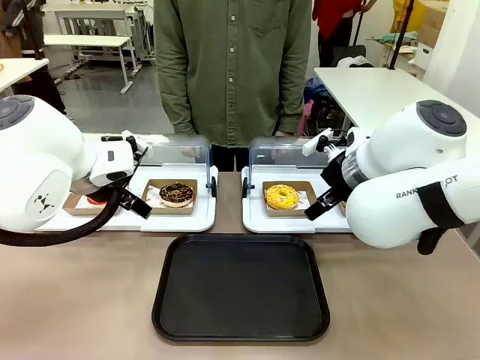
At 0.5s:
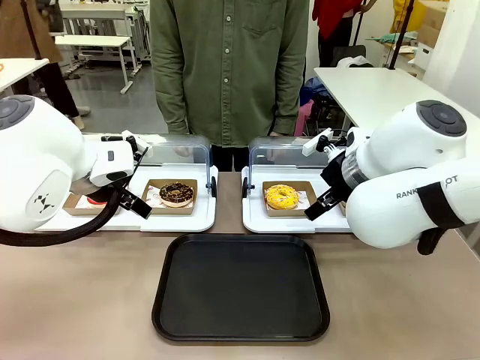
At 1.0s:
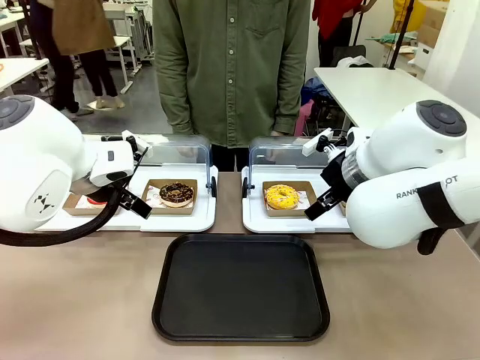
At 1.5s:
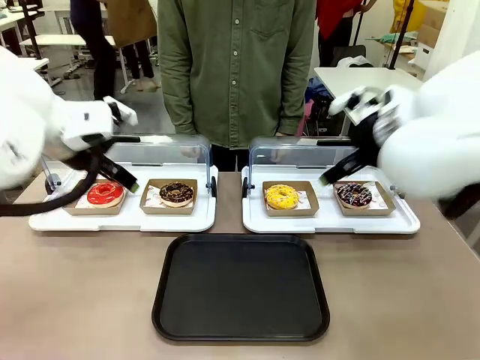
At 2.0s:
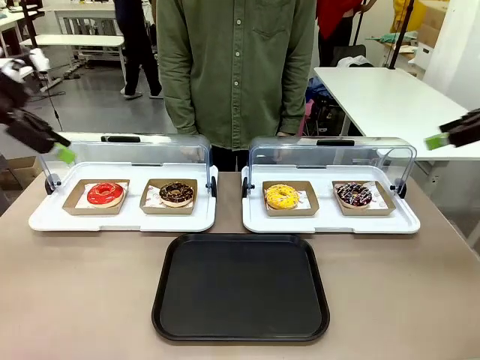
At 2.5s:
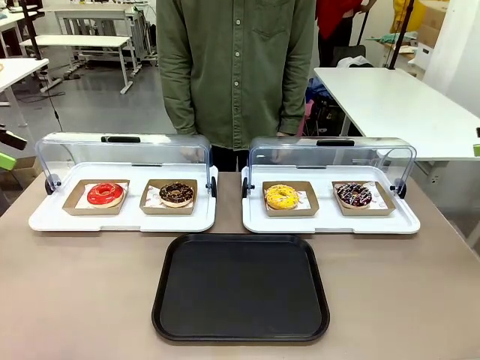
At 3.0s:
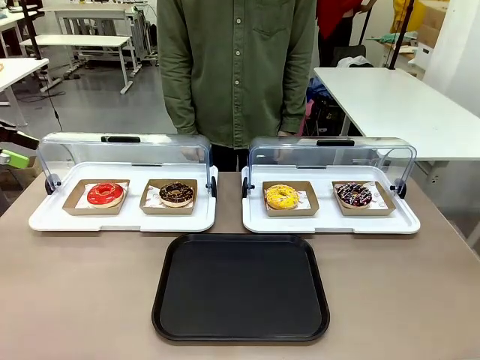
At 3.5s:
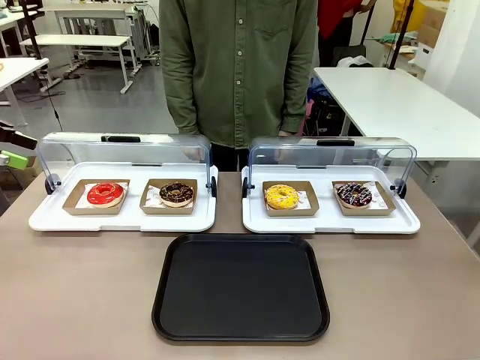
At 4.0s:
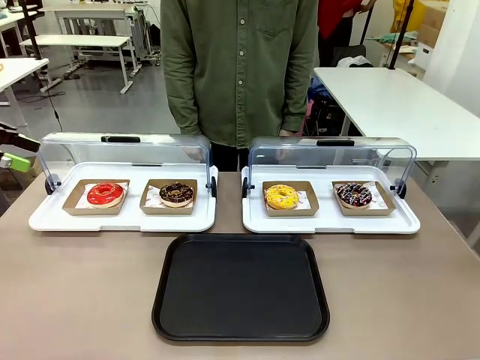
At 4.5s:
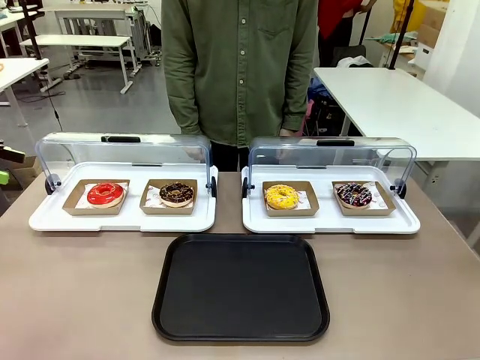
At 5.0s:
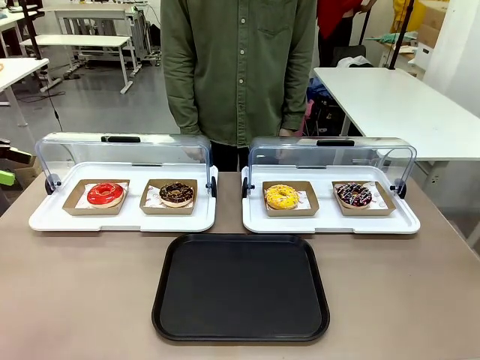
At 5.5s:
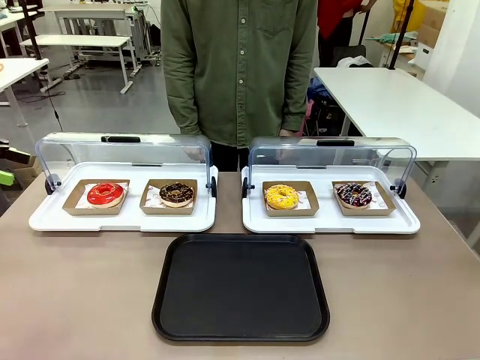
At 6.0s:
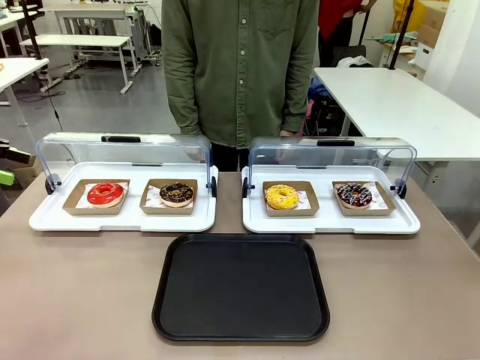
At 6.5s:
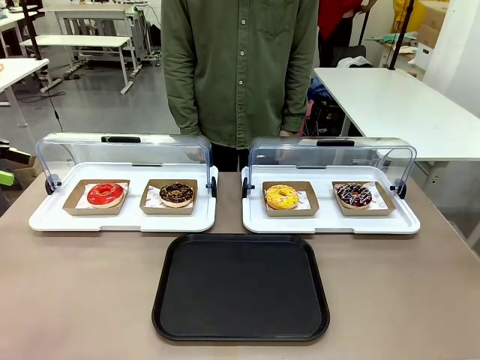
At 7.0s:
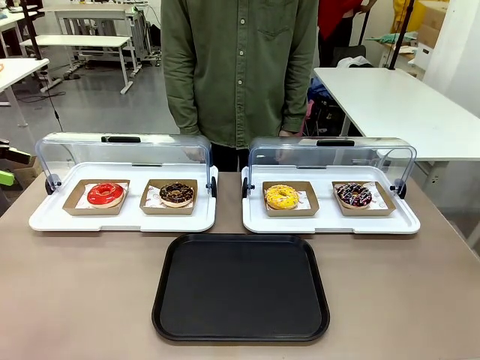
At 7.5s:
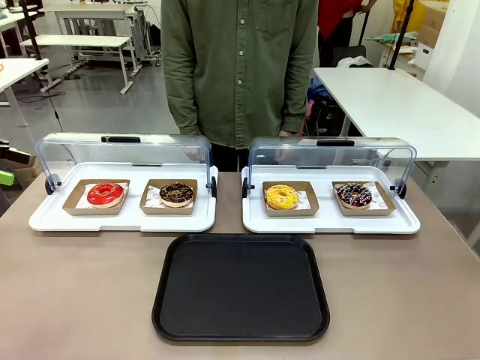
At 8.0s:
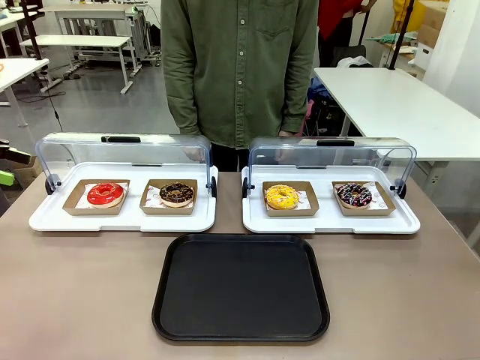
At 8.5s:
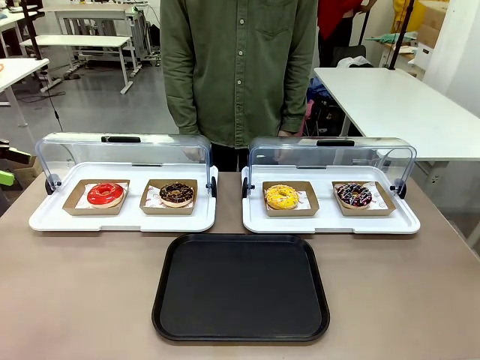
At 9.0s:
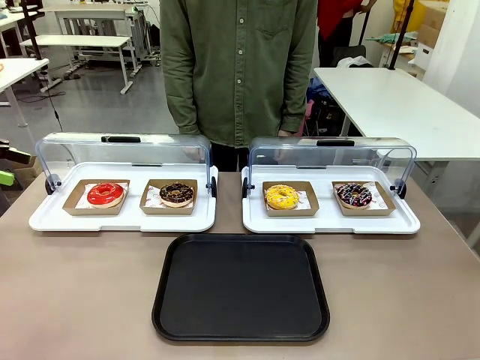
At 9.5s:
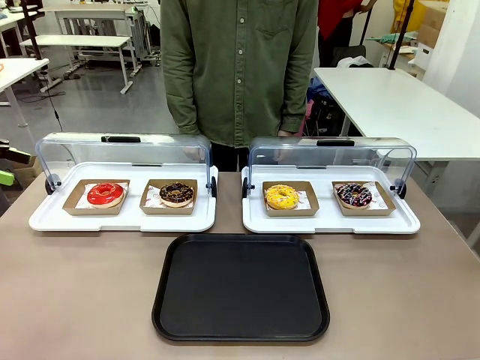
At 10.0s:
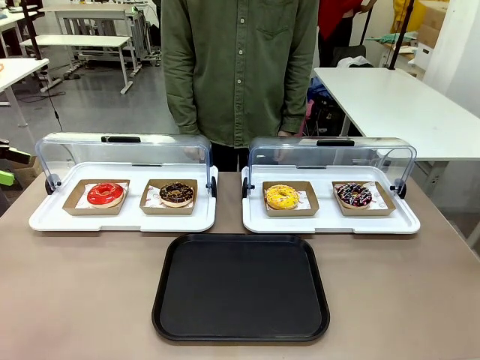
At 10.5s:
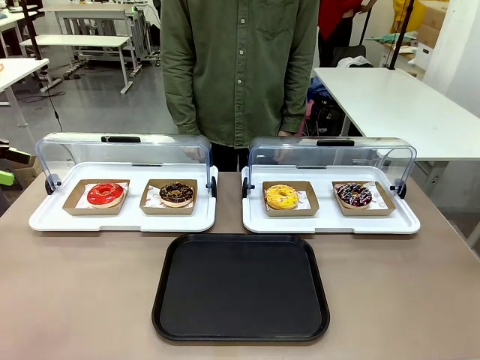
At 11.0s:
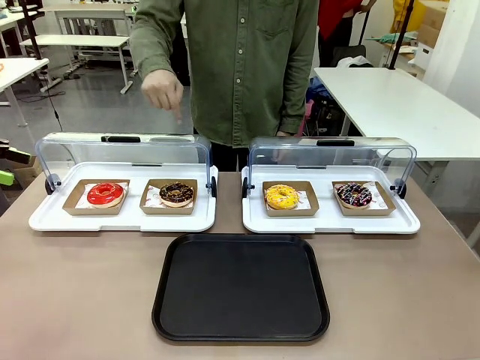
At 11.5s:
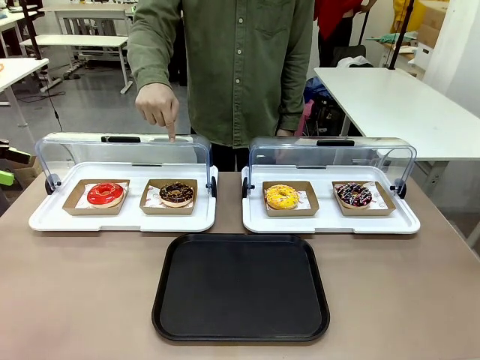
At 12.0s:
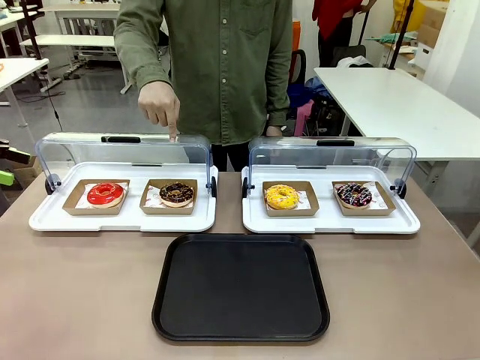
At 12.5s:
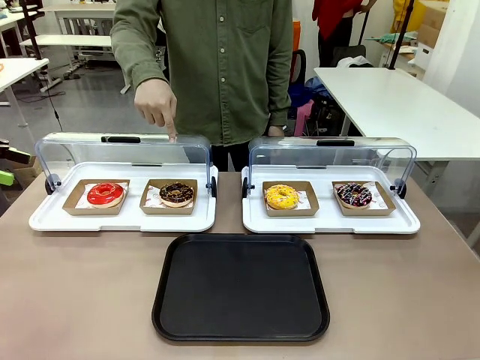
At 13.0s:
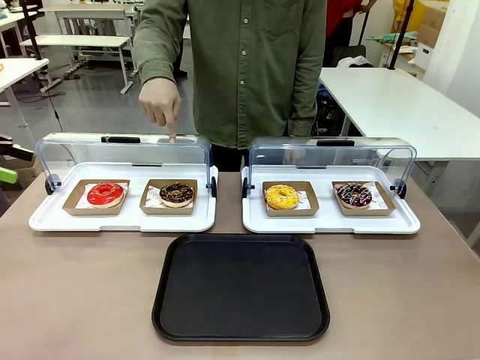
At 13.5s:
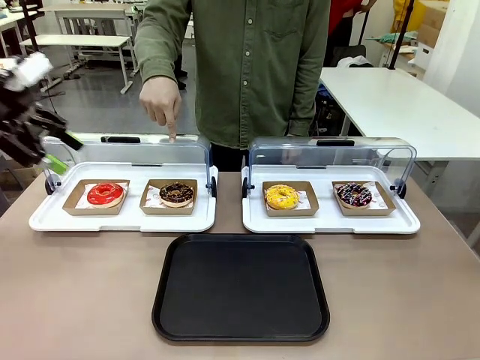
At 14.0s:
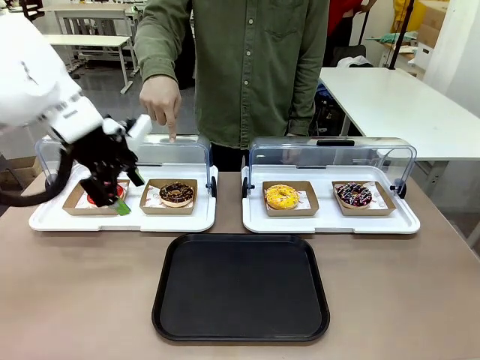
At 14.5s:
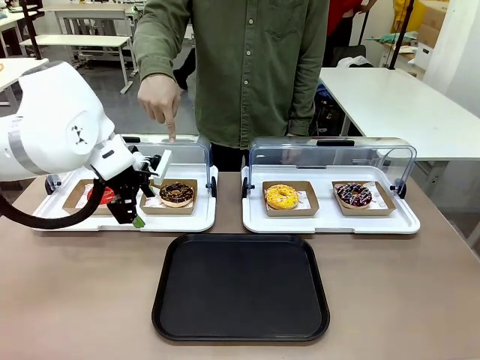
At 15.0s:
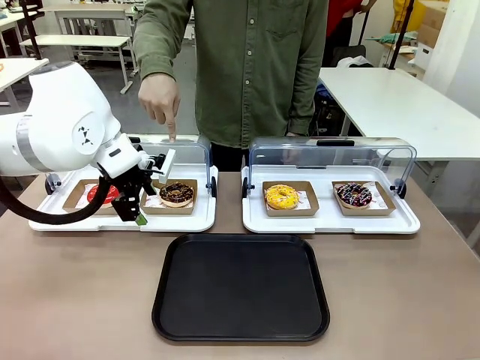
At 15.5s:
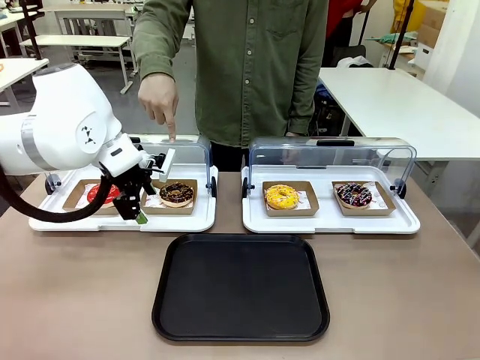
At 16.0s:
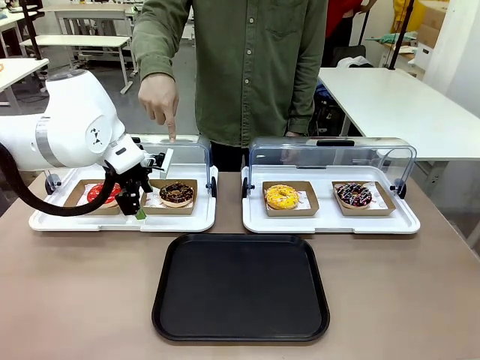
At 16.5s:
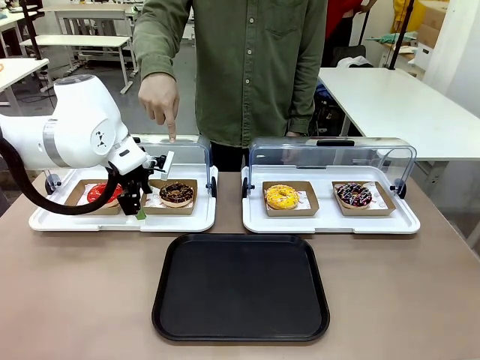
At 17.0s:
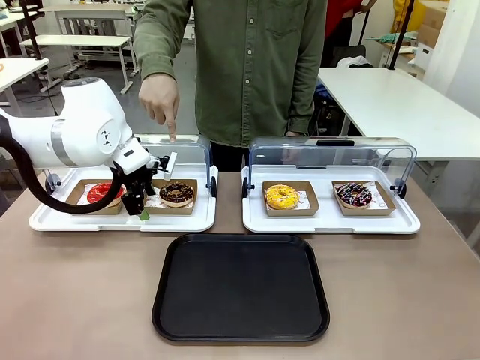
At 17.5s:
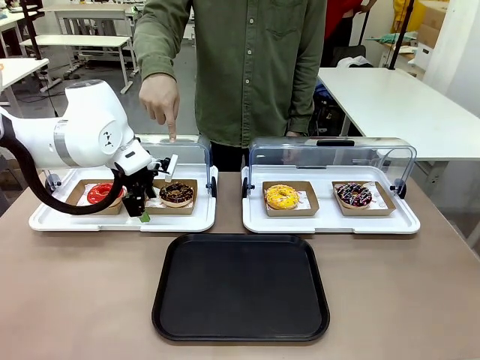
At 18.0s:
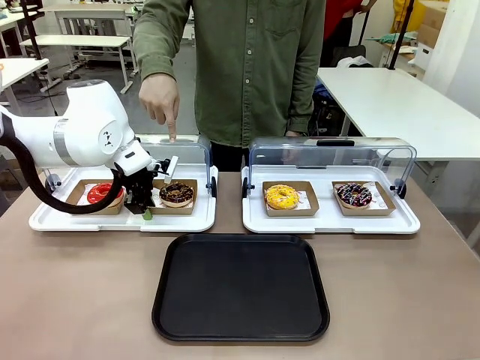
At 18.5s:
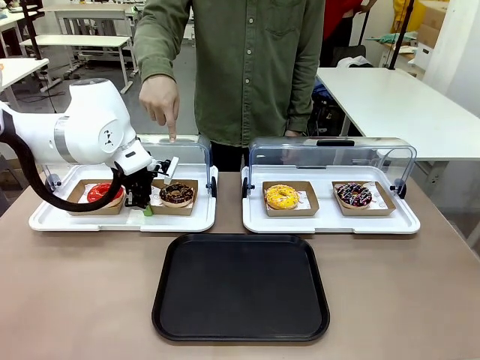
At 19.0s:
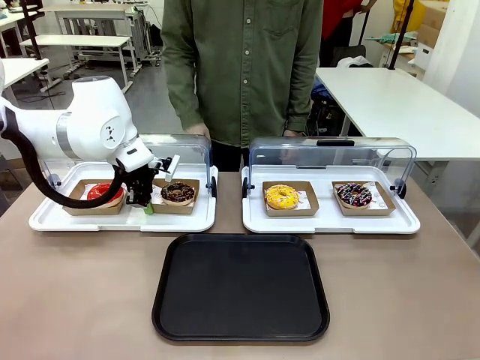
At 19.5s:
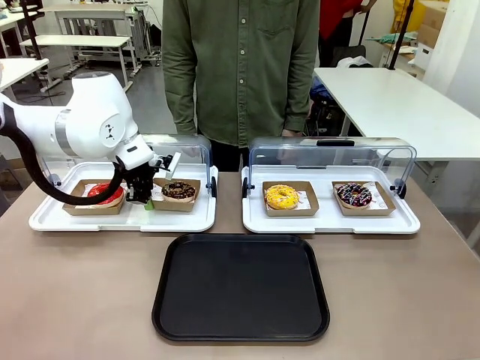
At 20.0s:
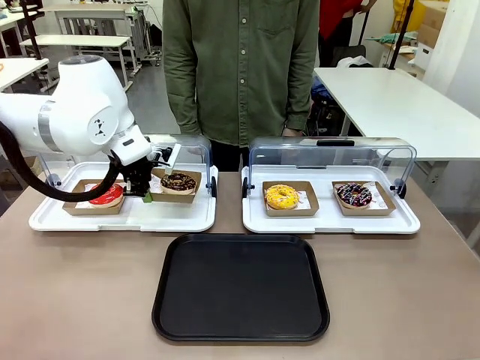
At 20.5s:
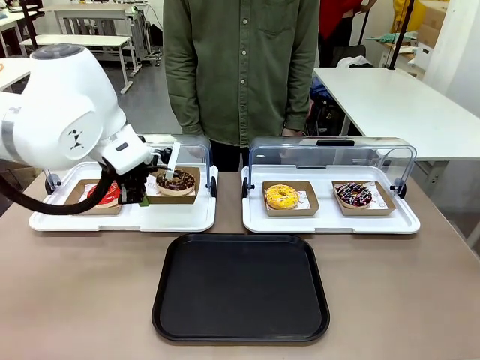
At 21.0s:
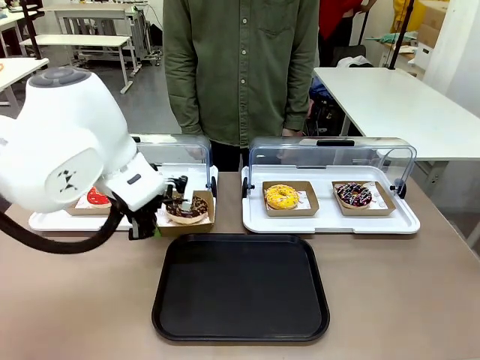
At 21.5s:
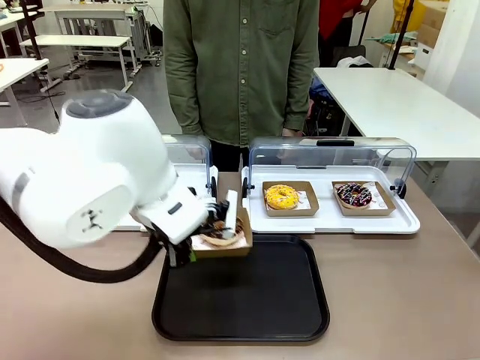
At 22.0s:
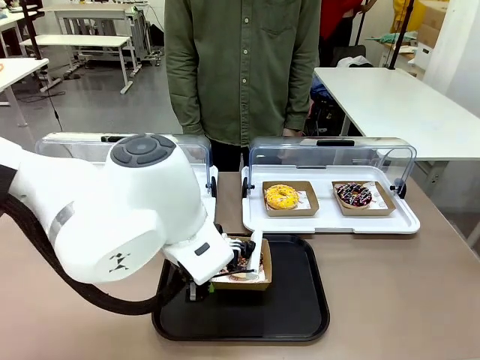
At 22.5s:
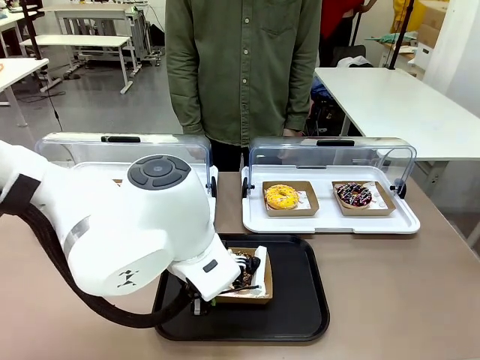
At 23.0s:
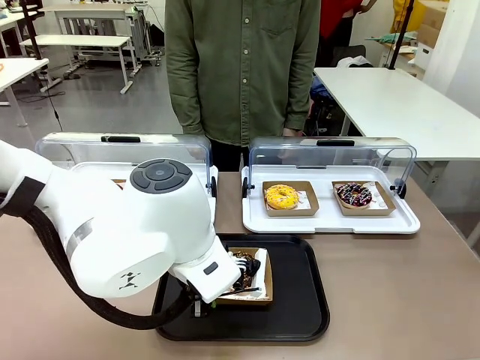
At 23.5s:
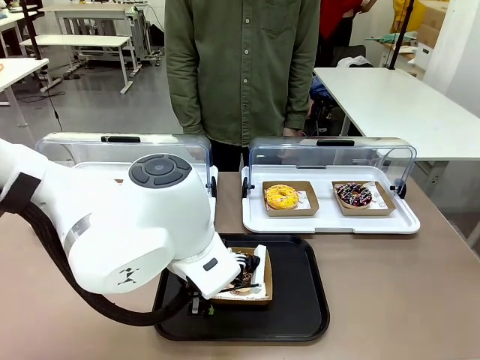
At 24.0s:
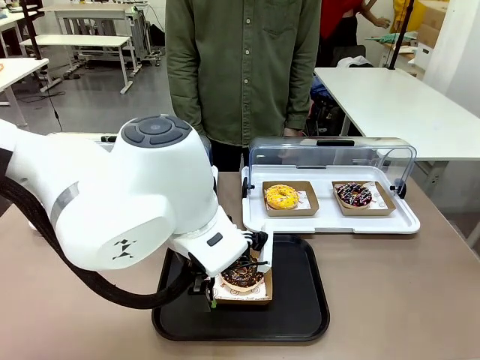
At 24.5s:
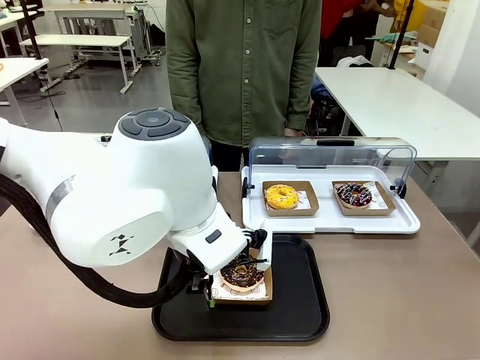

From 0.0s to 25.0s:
Task: Move the second donut from the left to the tray.
Robot: Pick up the Paper togo box containing the Donut indicated by the person and place it on the Handle tray.
Person: Points to the second donut from the left from the robot’s perspective.
